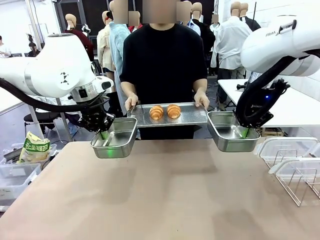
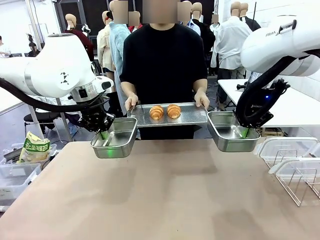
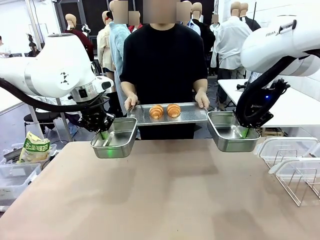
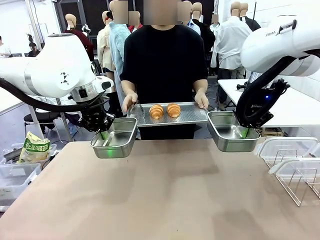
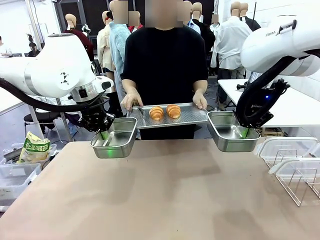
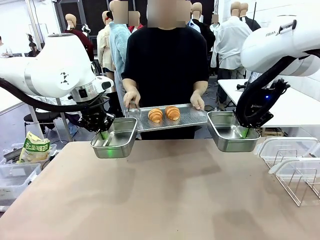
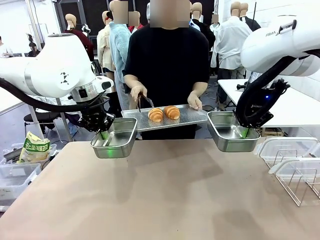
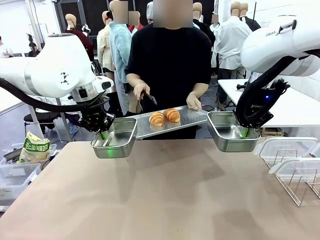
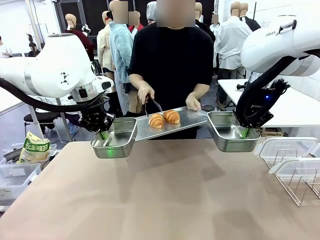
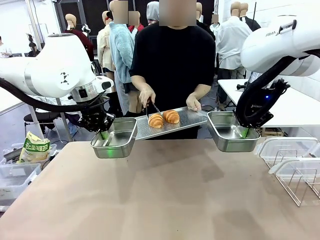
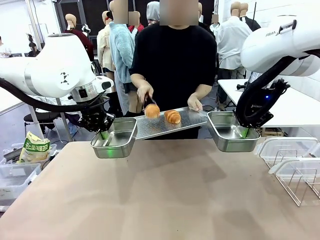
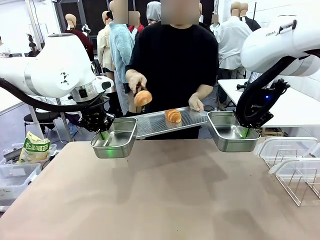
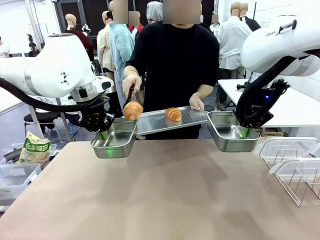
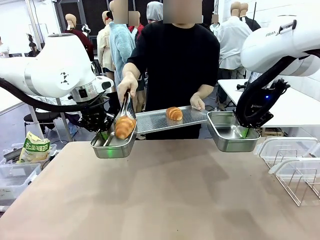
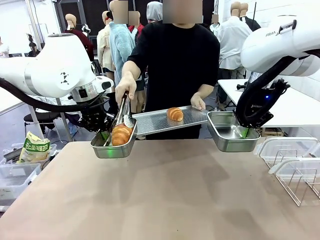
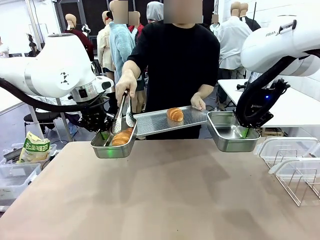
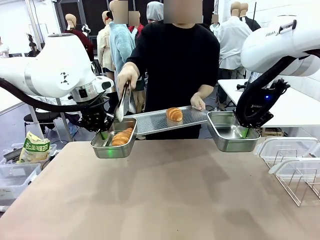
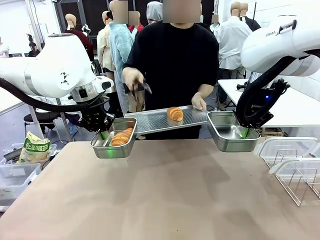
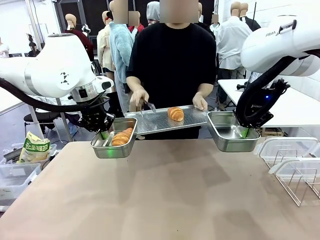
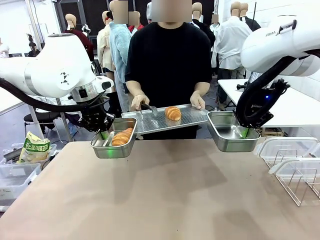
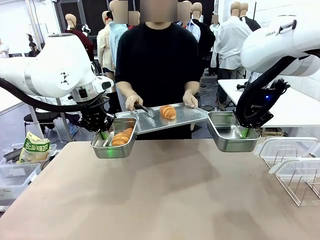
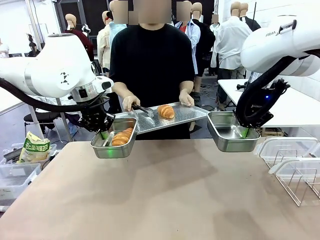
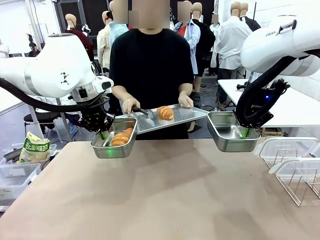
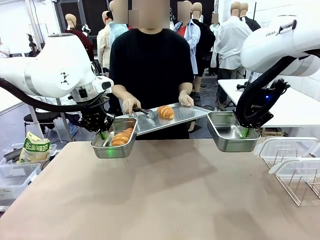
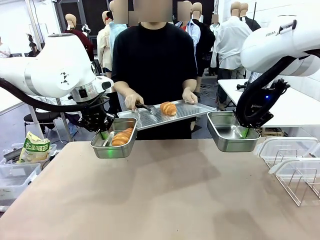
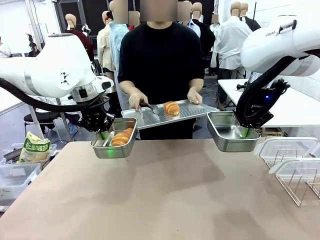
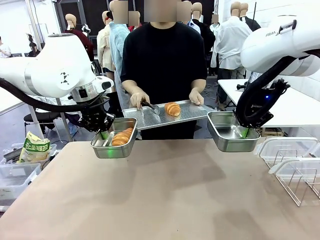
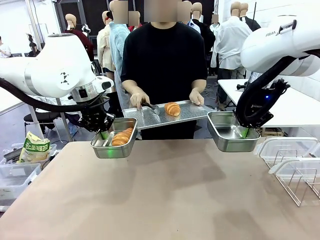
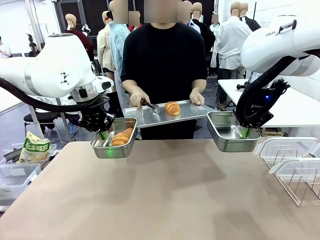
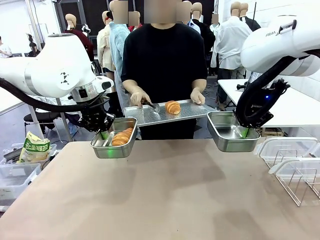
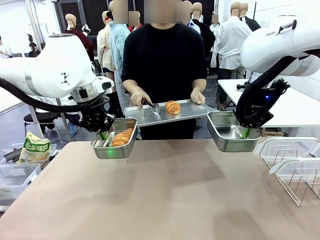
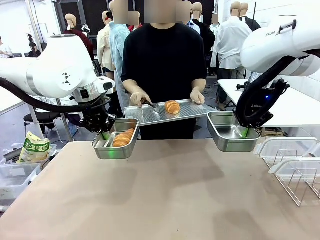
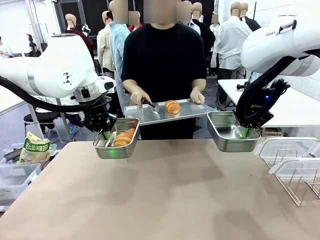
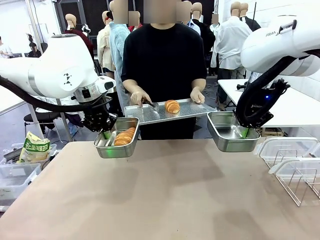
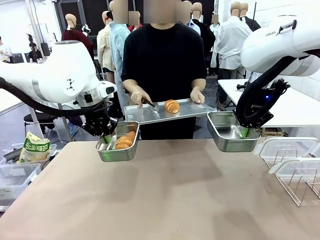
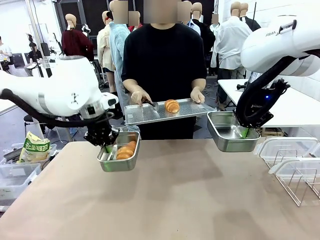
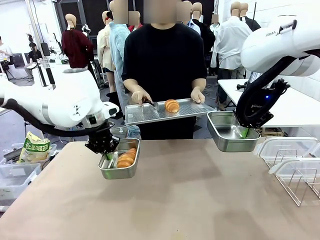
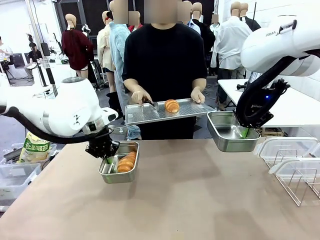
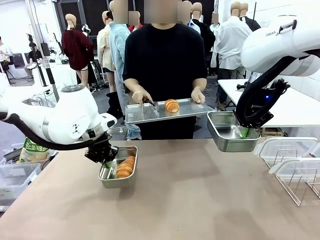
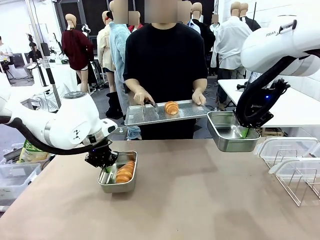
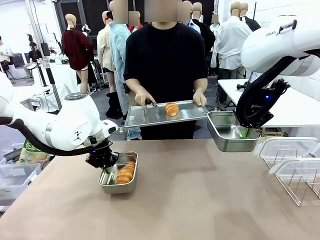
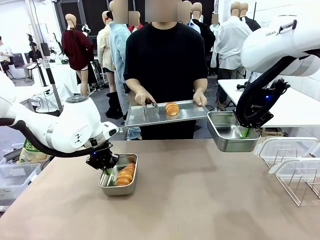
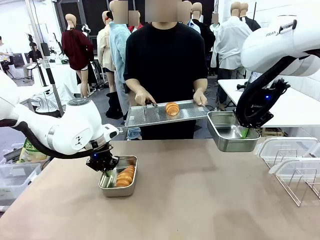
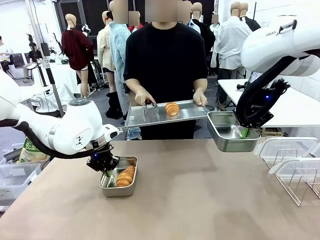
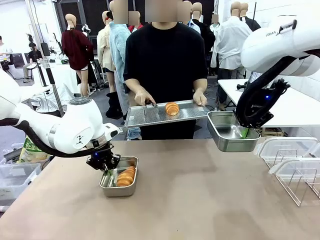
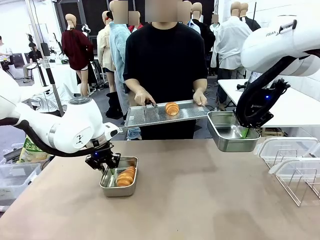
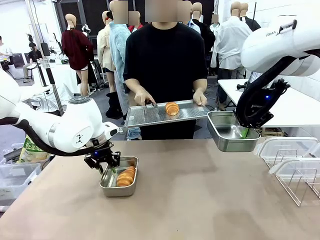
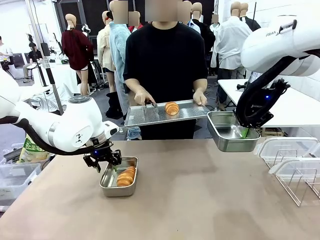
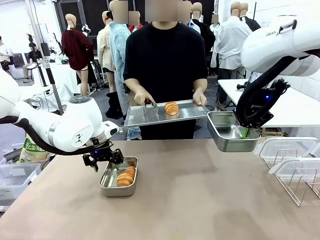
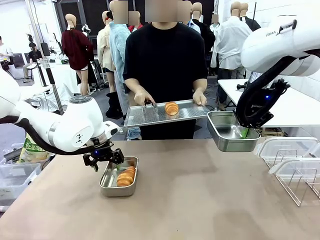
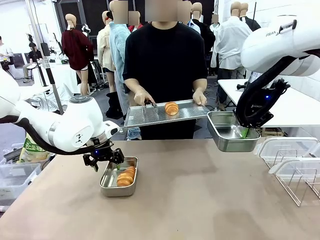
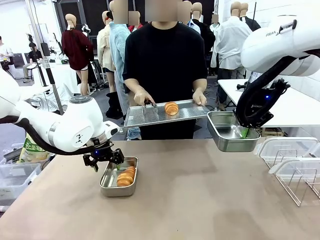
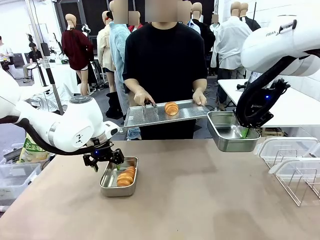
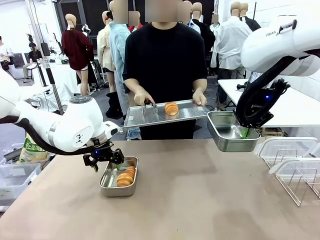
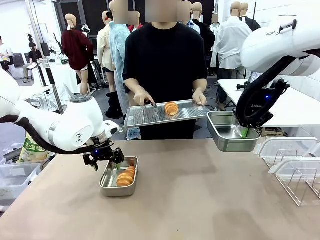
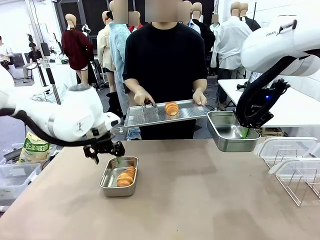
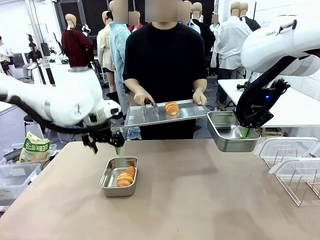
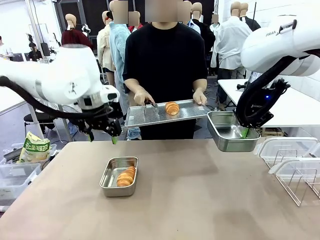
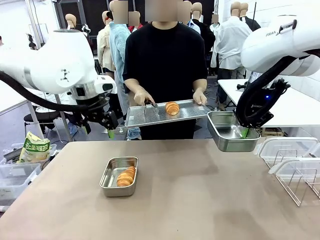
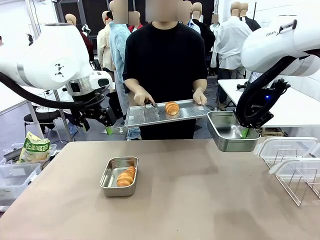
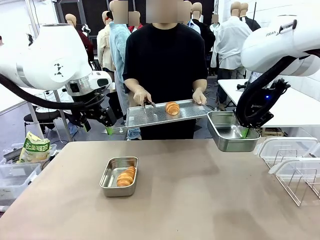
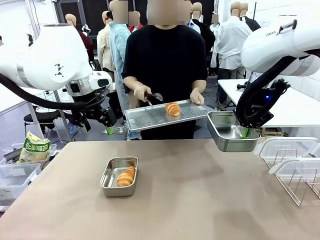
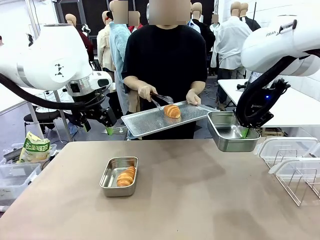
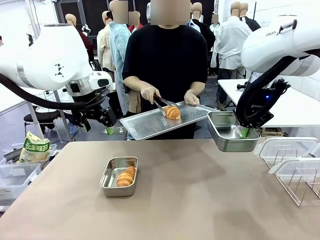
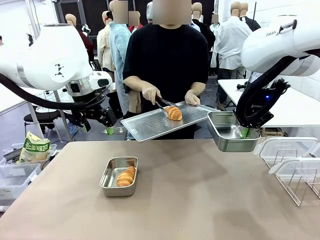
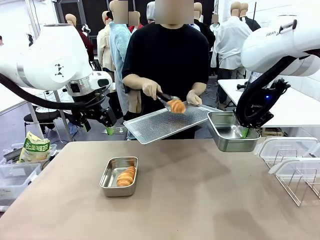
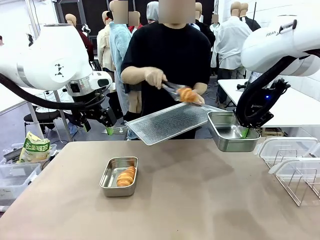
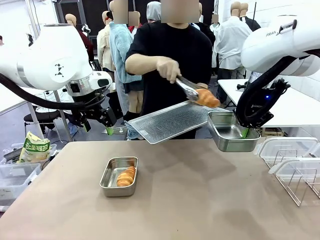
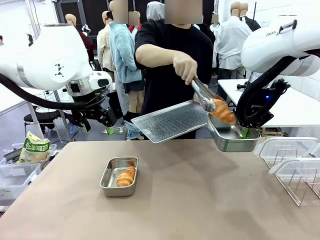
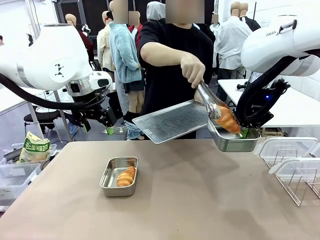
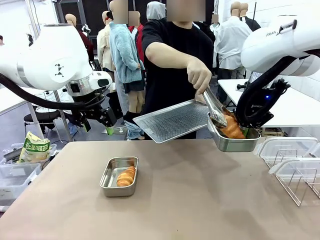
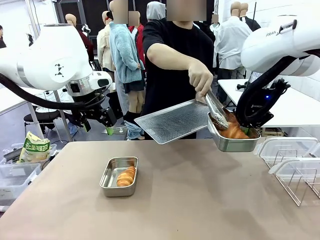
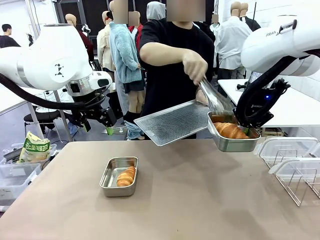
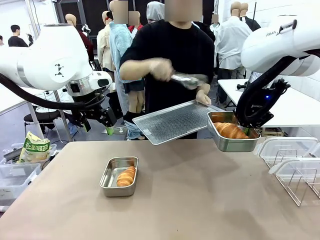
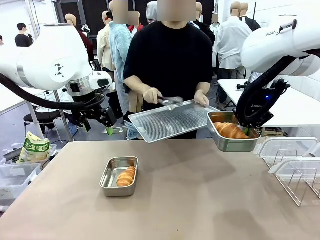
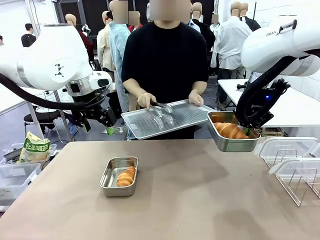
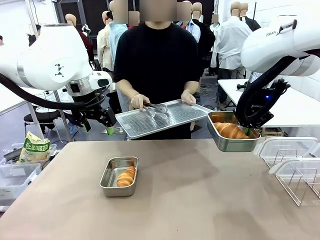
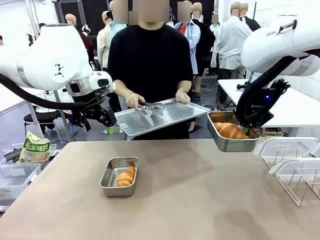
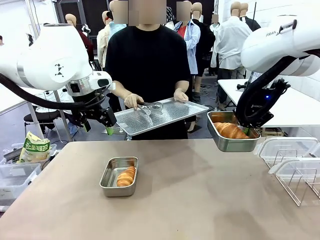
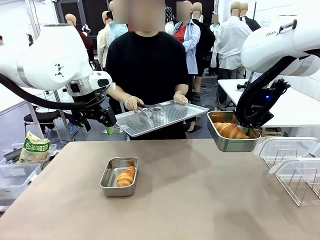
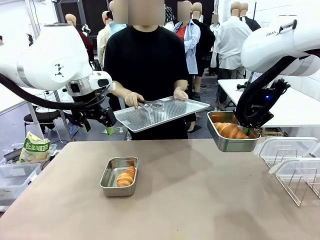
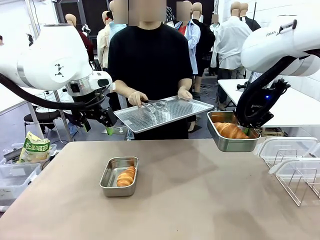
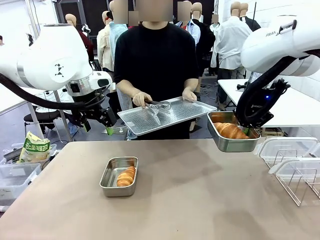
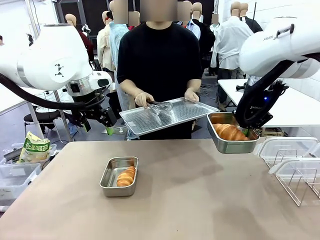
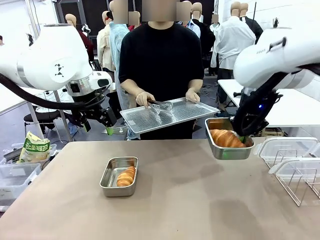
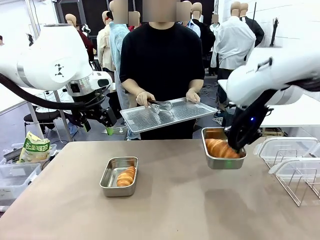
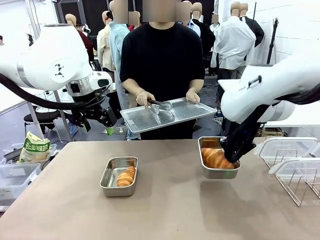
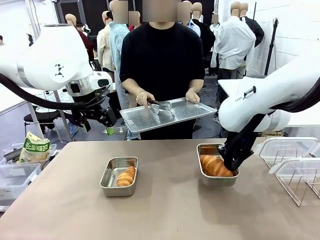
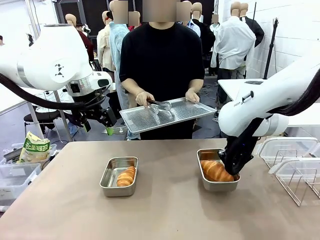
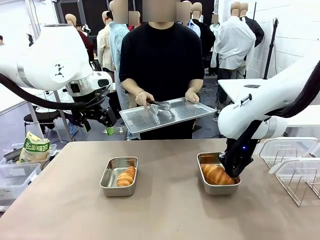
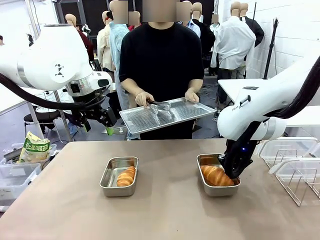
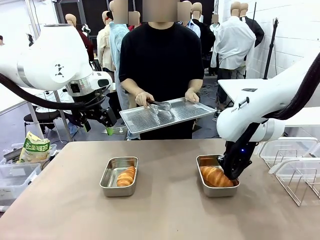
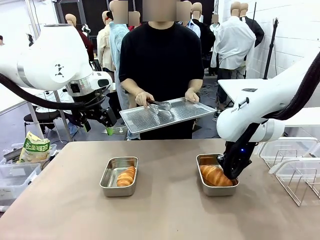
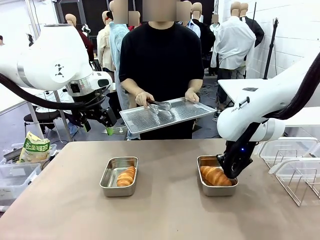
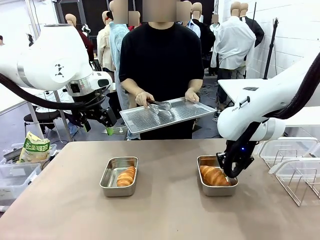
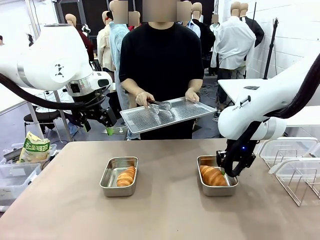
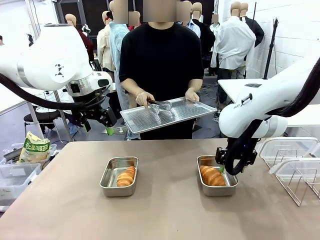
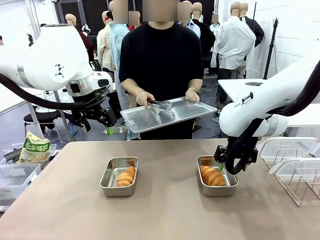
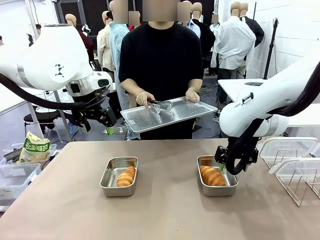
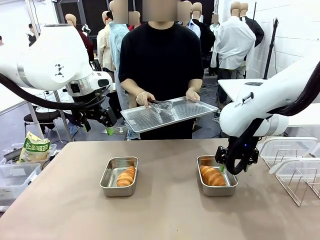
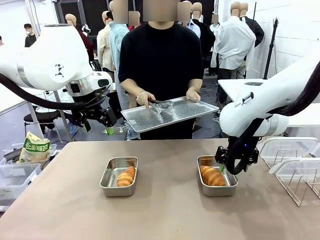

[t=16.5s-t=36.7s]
Task: Place the bread in airtight containers.
Robot: Once an object is inside an Airtight Container , place the container in the center of the table.
Person: Use the Stainless steel tongs to place one object from Baking Sheet into one Airtight Container.
